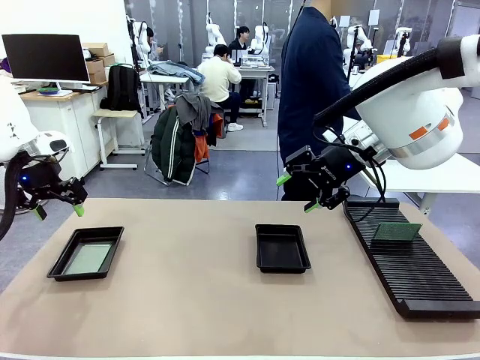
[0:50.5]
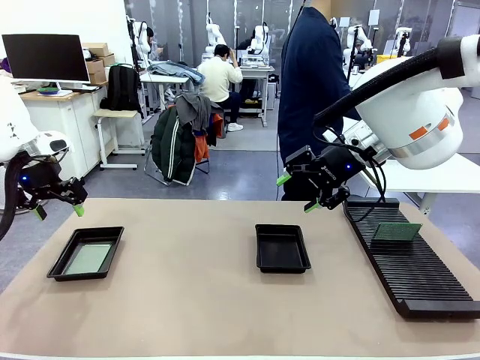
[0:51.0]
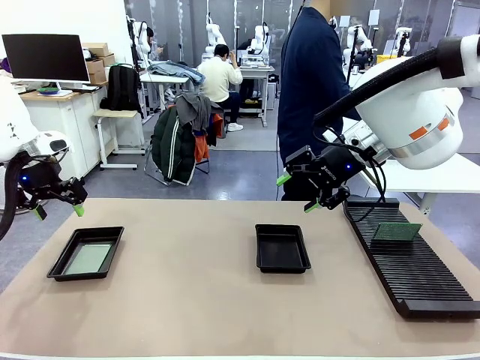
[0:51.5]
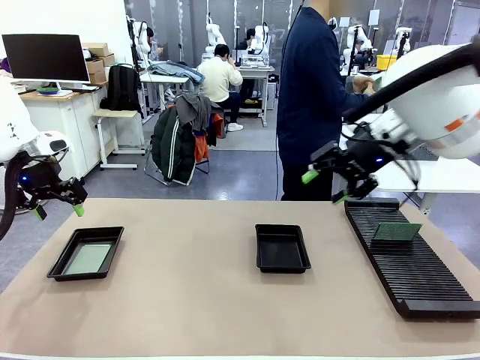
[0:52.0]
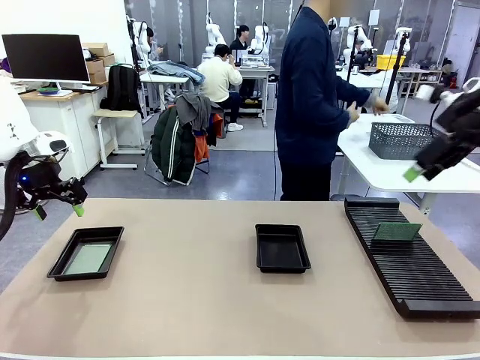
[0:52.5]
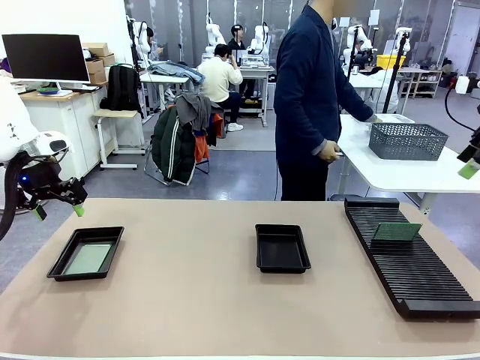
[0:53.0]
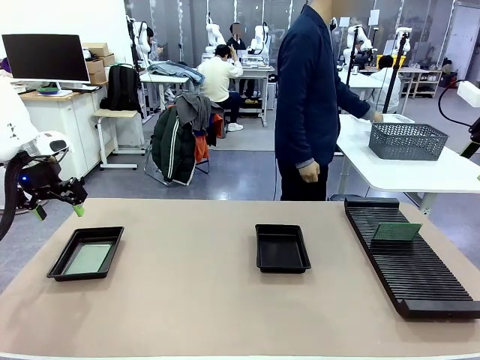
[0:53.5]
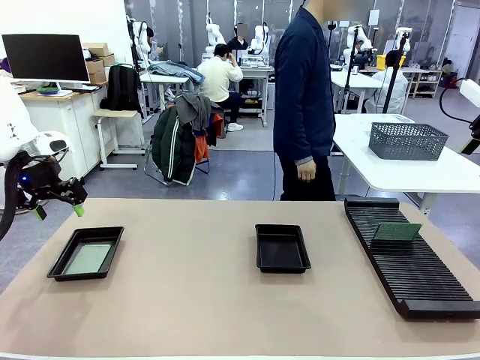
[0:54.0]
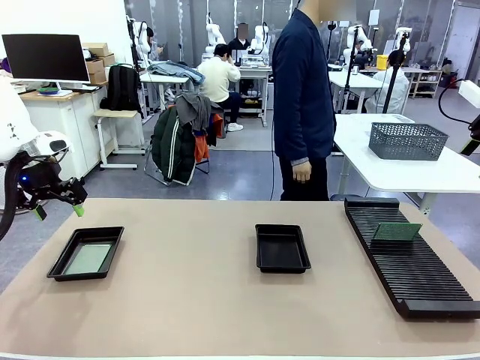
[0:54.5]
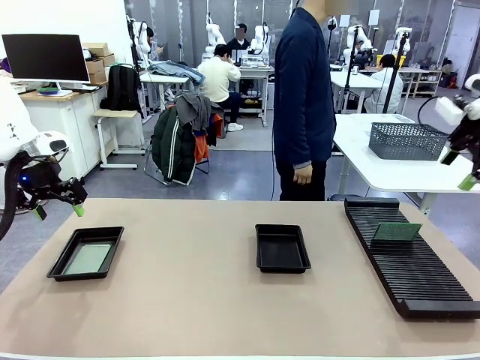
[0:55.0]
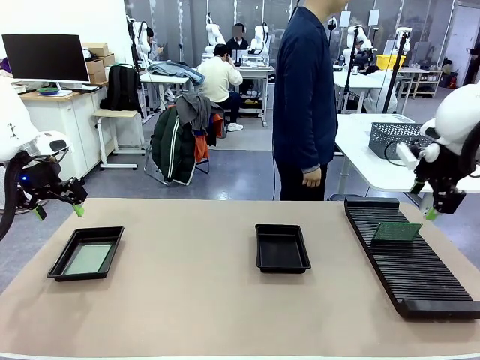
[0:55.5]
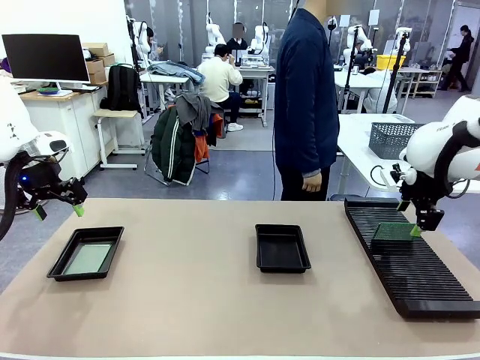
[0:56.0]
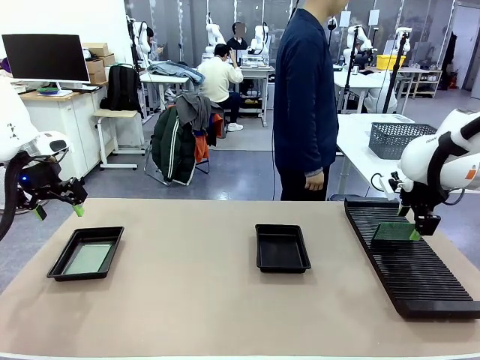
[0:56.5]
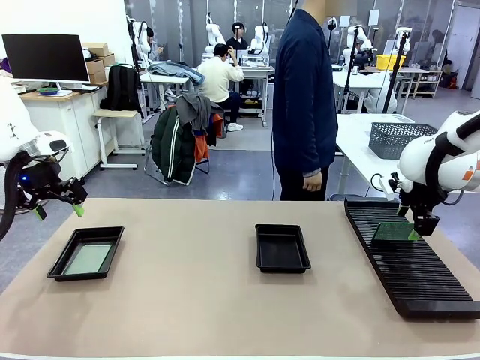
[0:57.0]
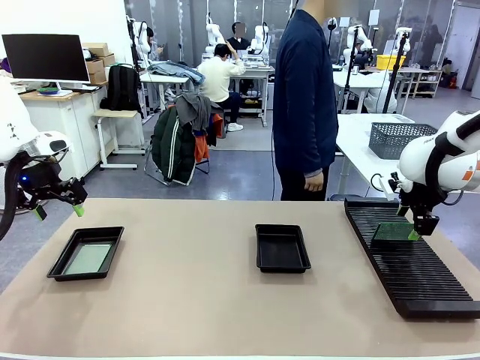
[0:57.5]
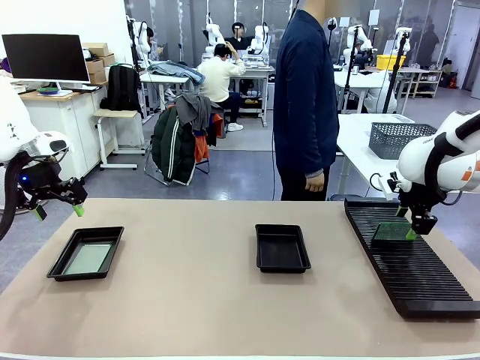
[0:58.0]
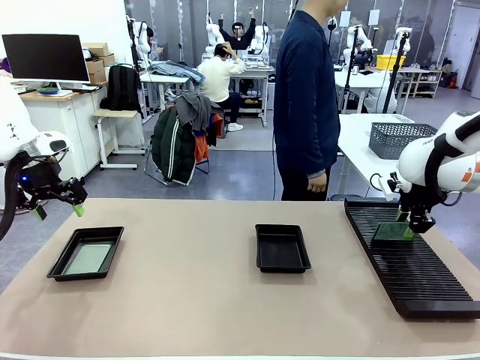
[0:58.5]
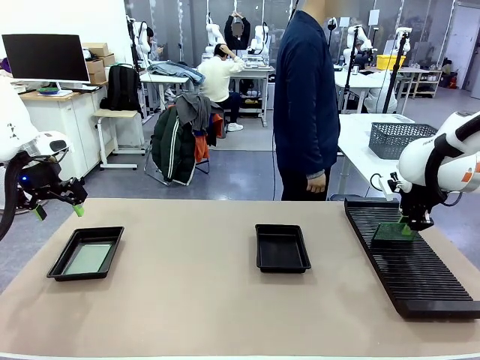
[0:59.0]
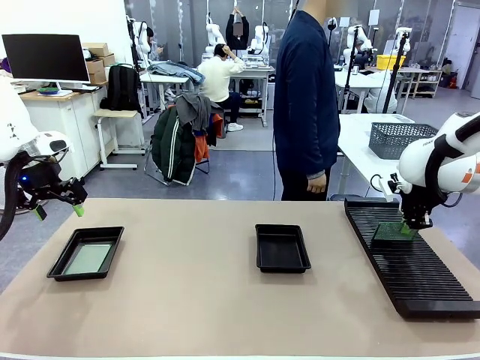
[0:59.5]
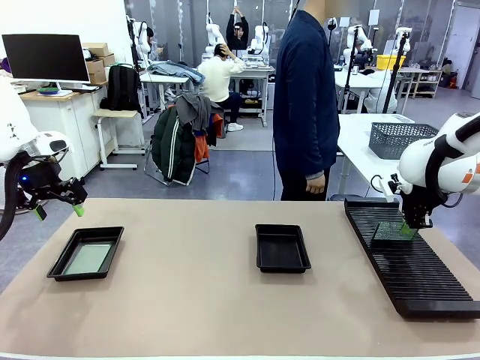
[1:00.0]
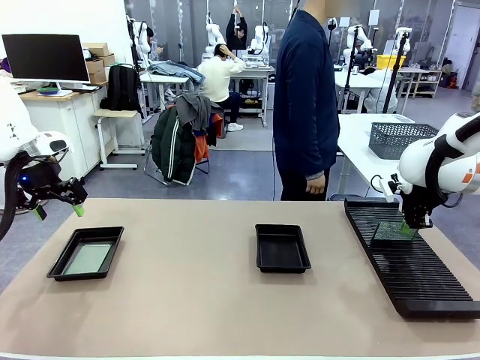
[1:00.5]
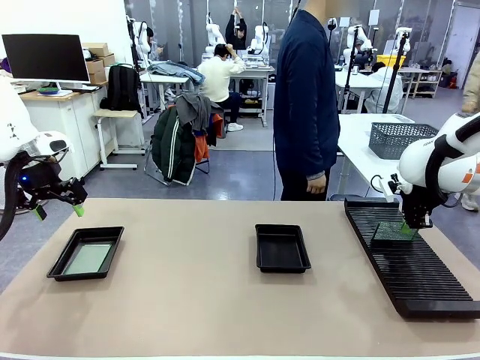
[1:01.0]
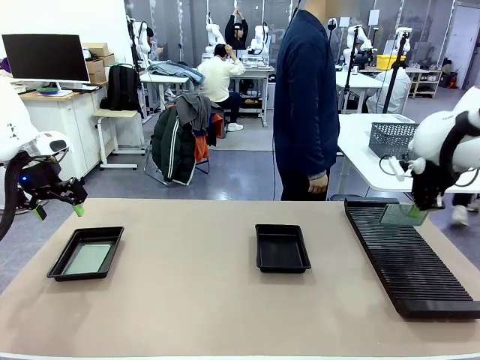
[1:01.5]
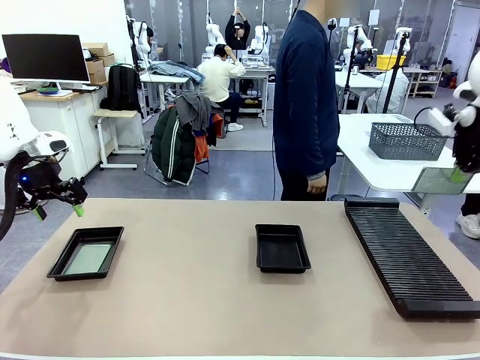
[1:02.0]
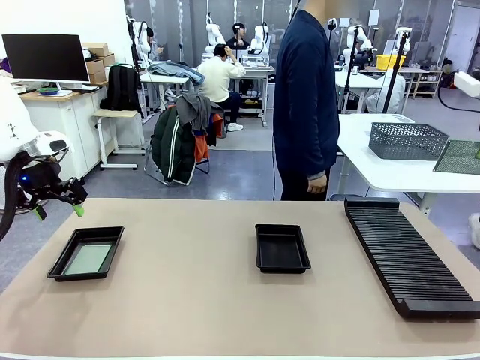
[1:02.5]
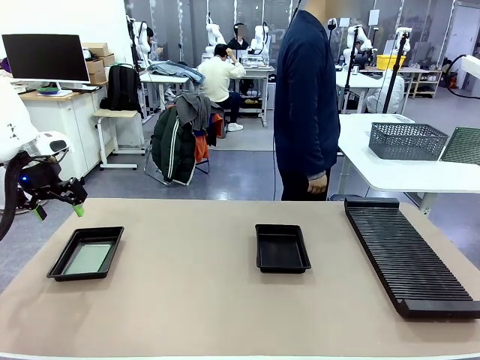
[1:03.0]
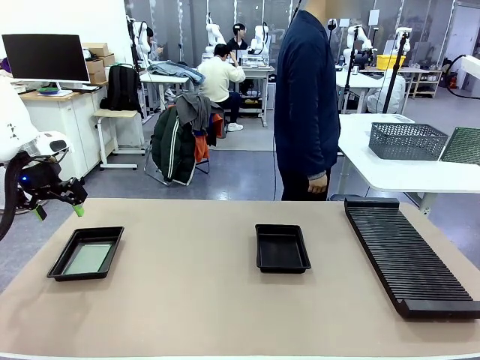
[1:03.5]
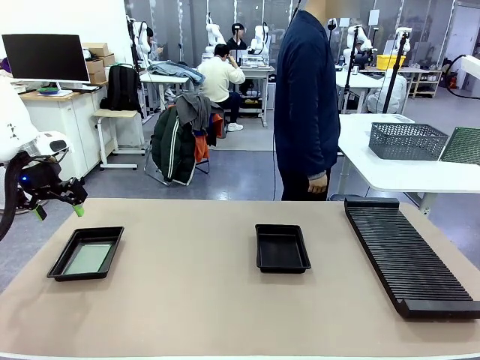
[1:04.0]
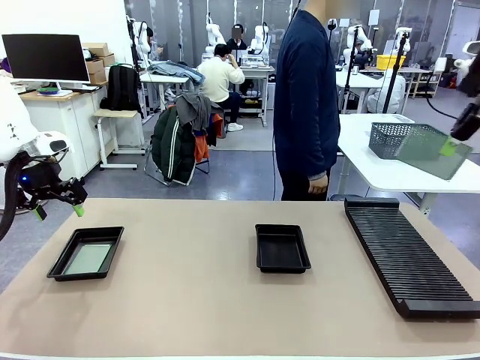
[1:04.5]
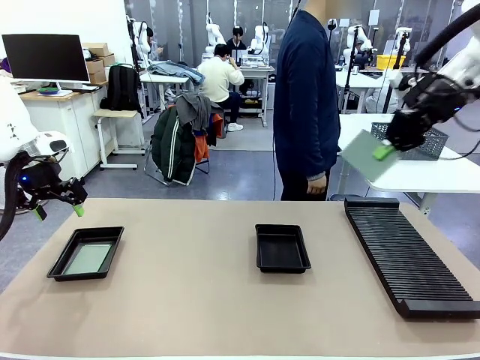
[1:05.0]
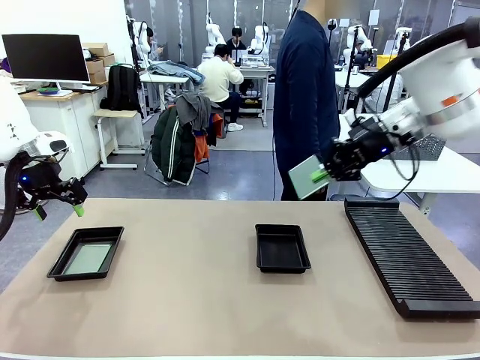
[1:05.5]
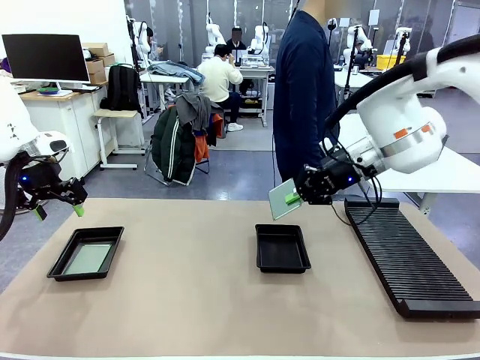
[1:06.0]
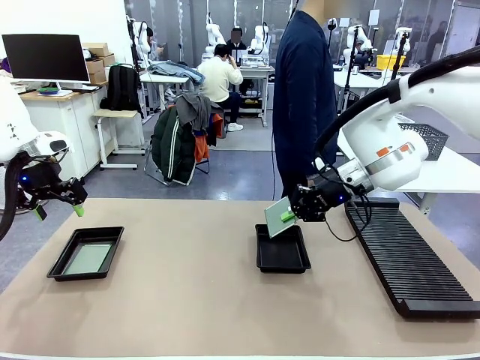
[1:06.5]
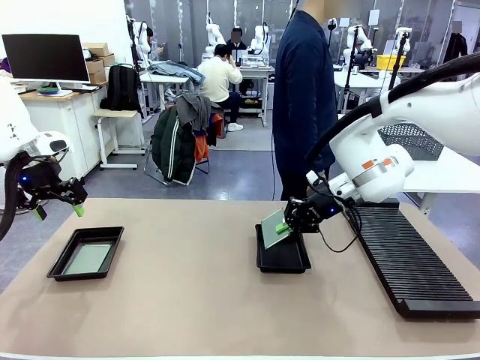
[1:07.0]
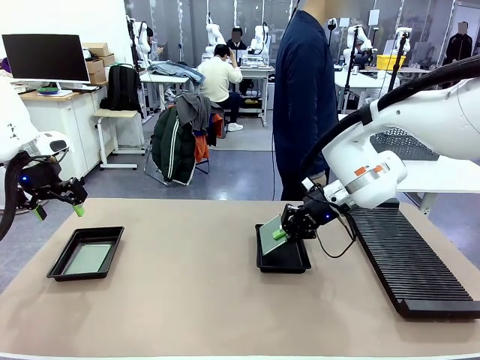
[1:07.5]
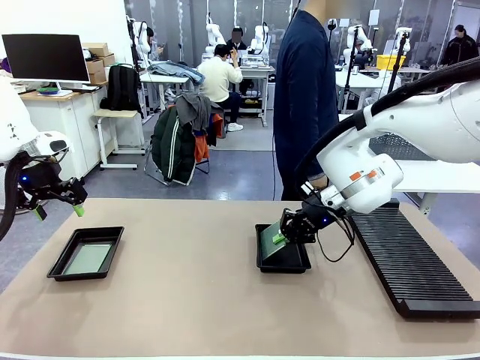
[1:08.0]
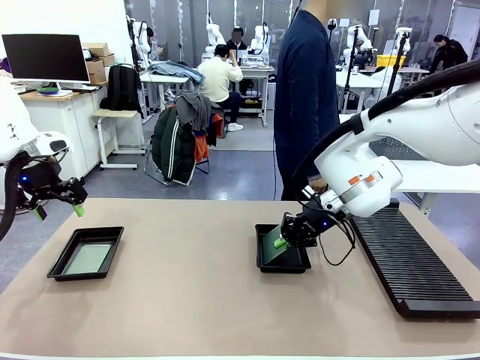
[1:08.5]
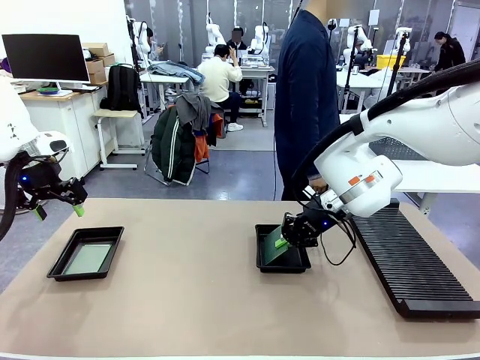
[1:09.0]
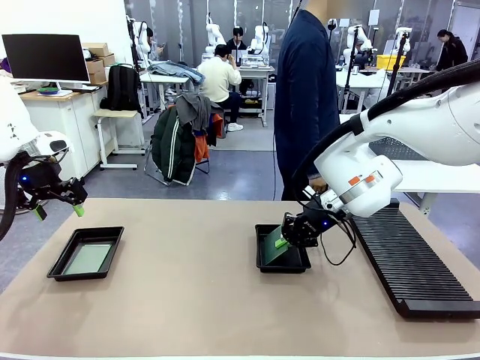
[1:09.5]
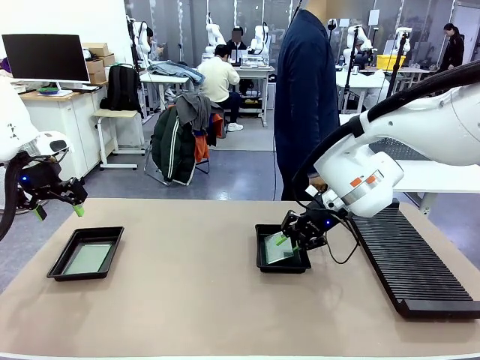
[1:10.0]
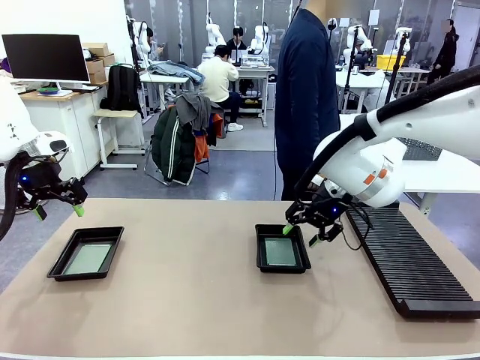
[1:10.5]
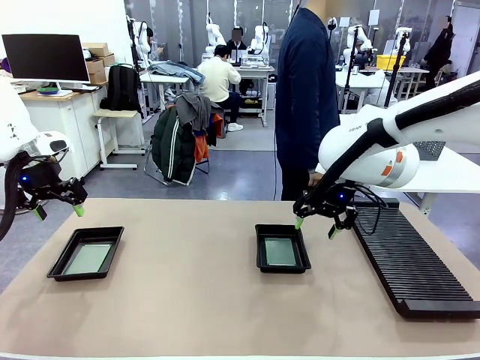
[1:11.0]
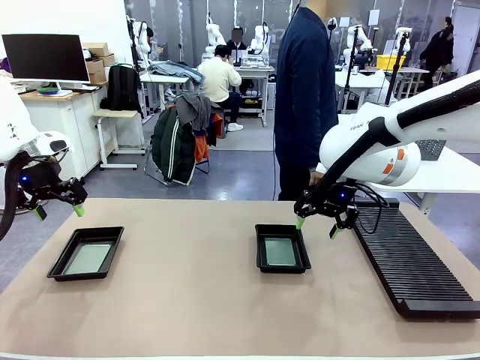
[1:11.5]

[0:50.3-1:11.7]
Task: Inspect and transfer BCBs to ESD trays.
Robot: Pick up the Blank PCB from the PCB Rack and place it in the right ESD tray.
